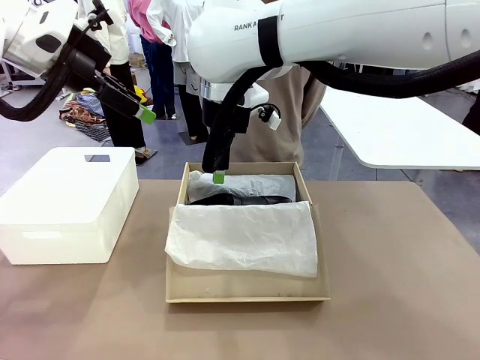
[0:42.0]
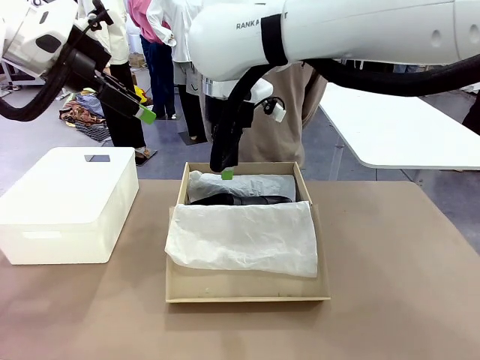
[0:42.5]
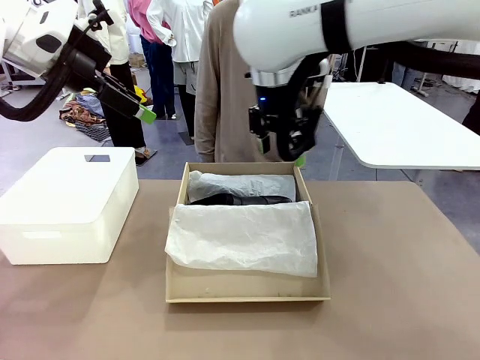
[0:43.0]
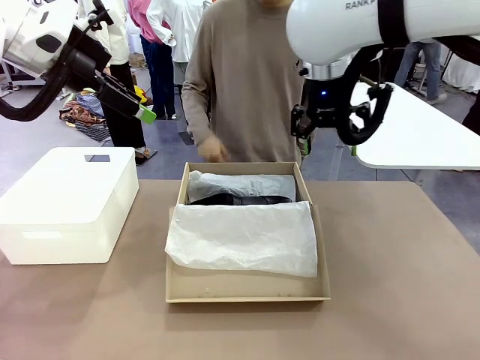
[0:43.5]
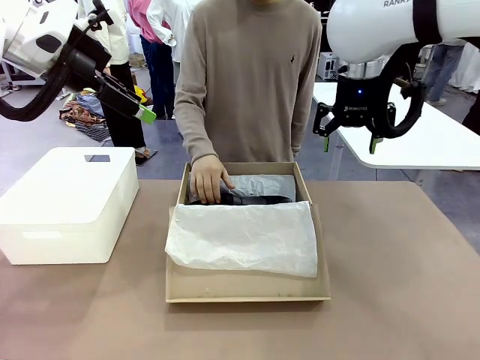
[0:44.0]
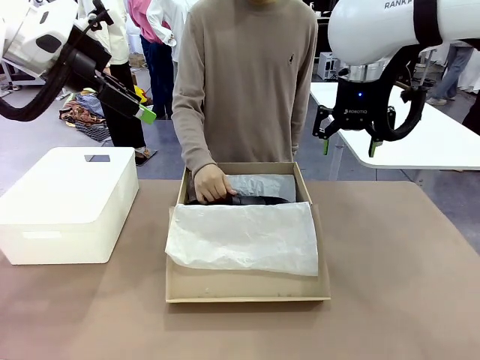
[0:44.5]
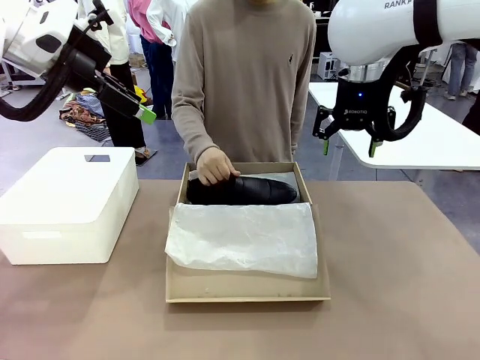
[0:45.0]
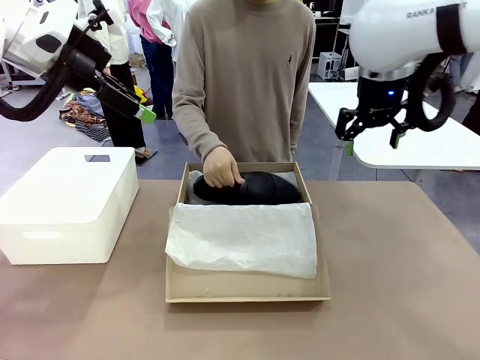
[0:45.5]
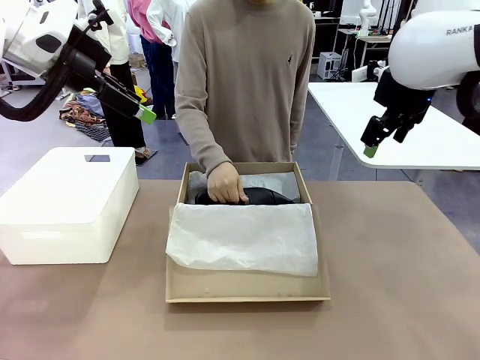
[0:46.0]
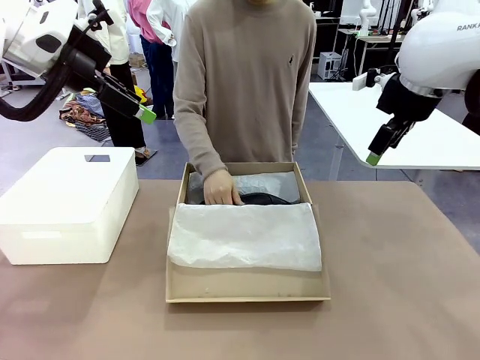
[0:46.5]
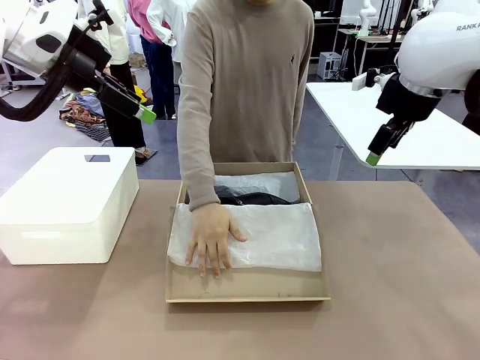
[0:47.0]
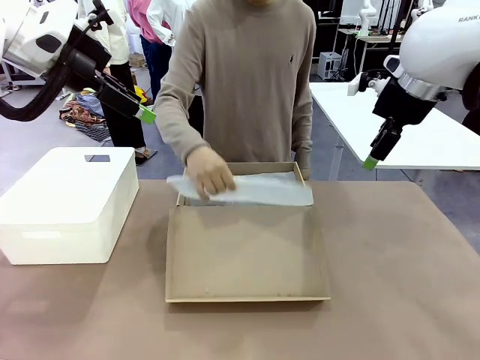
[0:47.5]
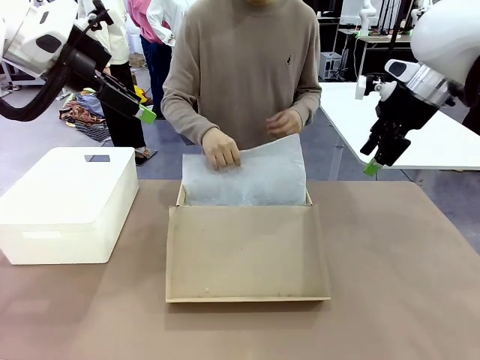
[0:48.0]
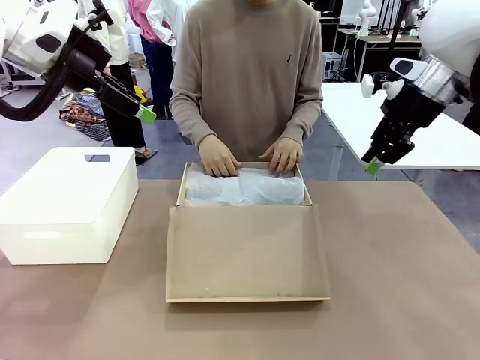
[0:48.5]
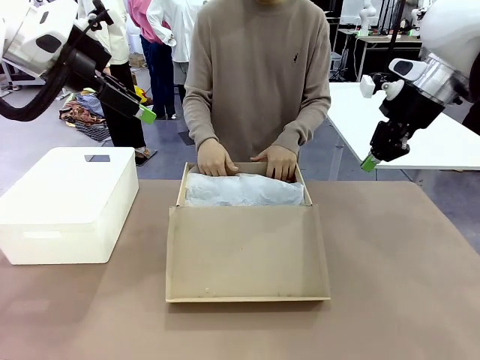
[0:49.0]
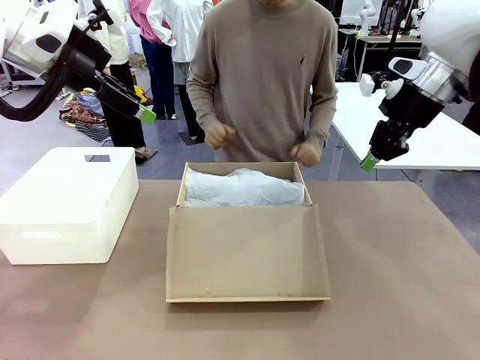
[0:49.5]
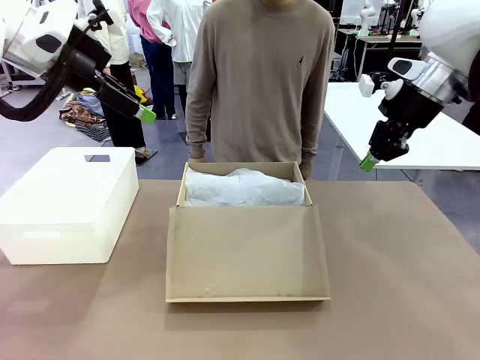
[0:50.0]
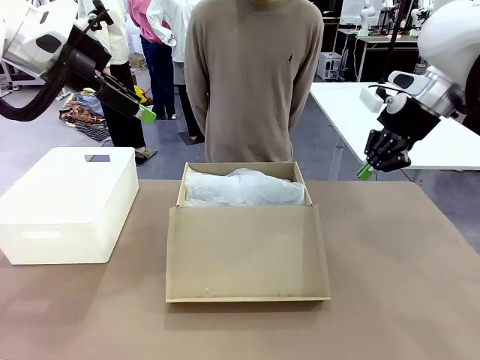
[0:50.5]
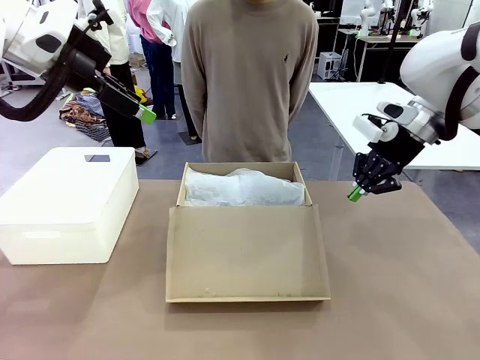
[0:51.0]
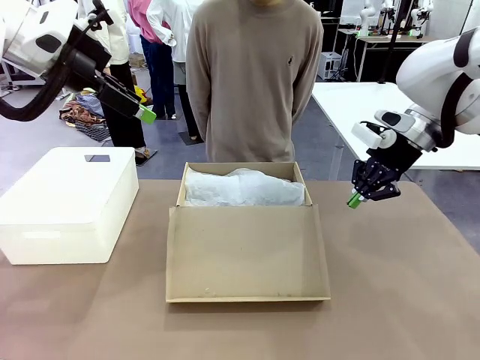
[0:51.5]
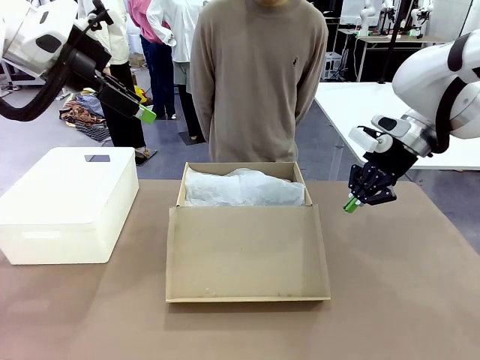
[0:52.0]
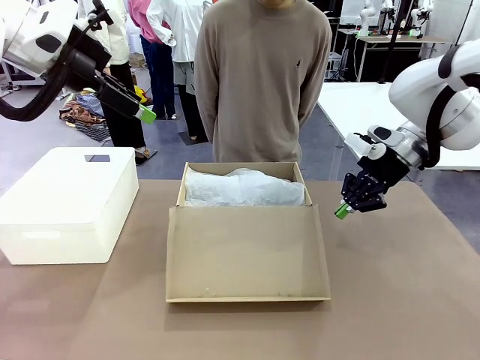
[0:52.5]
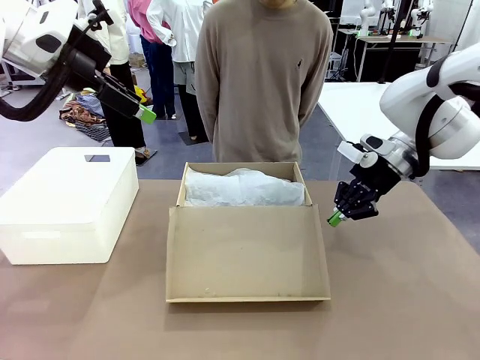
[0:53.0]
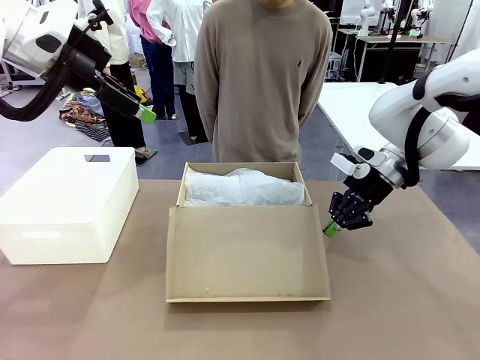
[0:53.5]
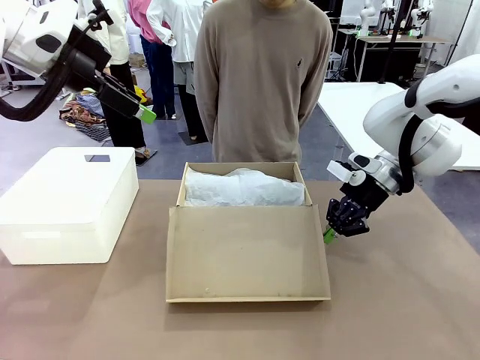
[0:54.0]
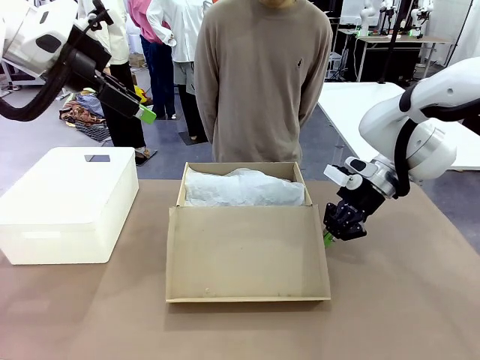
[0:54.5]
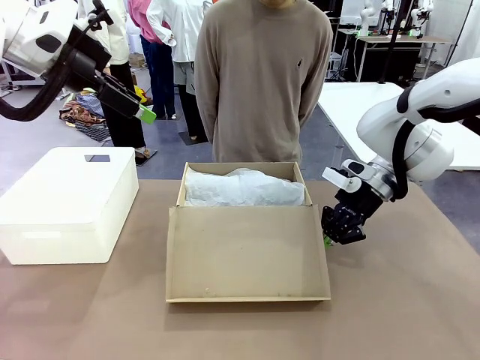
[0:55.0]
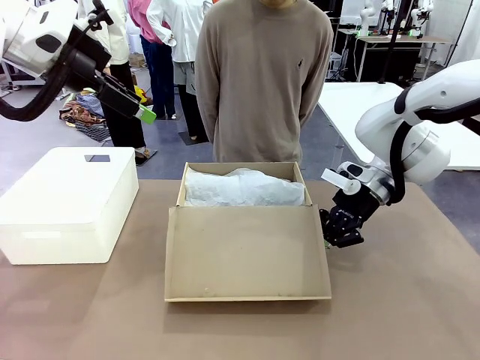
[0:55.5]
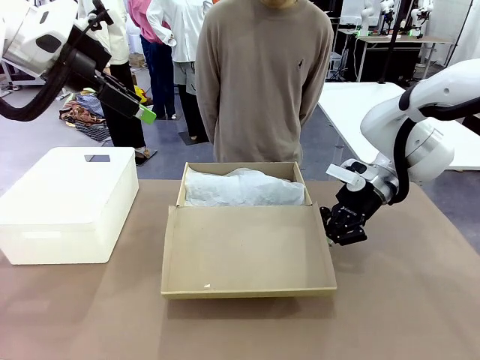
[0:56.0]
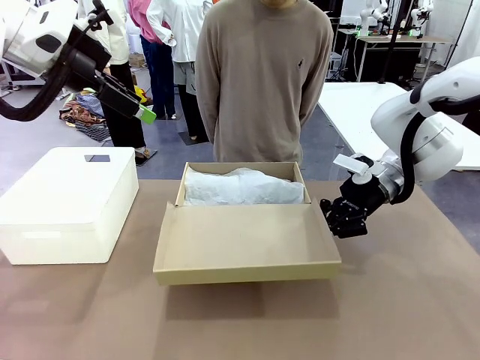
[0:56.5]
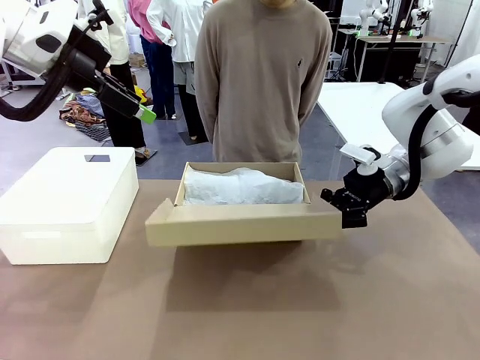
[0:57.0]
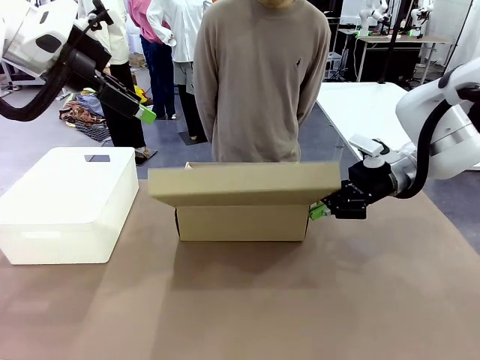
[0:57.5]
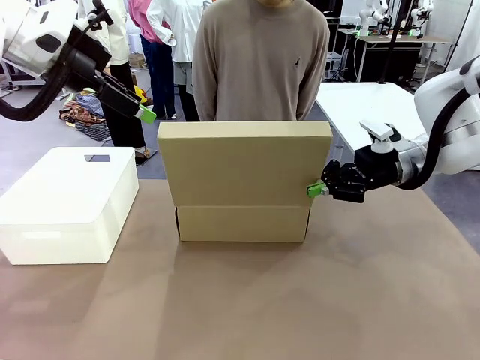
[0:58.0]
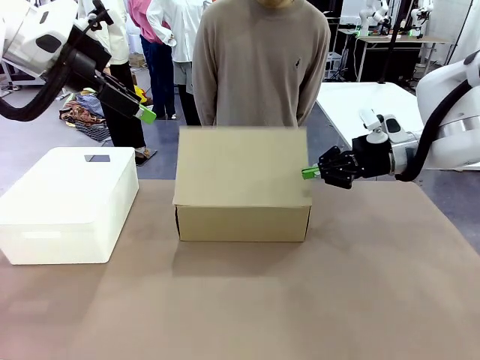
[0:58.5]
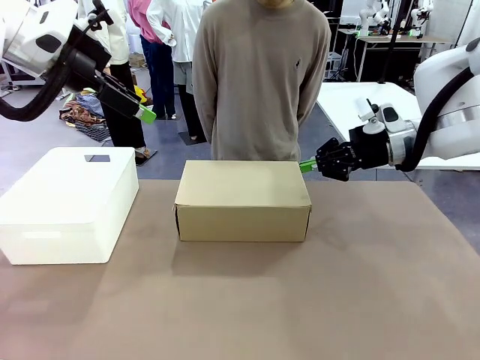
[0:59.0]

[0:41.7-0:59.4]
Task: Pack the shoes into the box.
Robot: Close the Shoes Box.

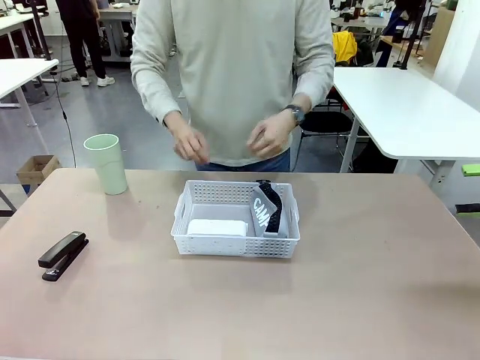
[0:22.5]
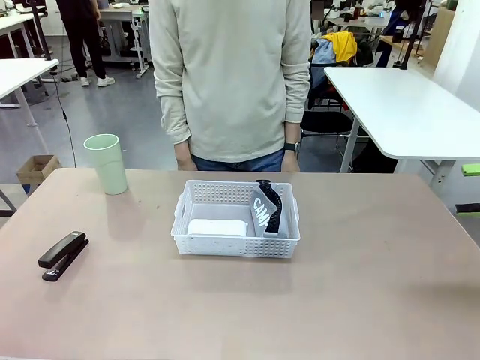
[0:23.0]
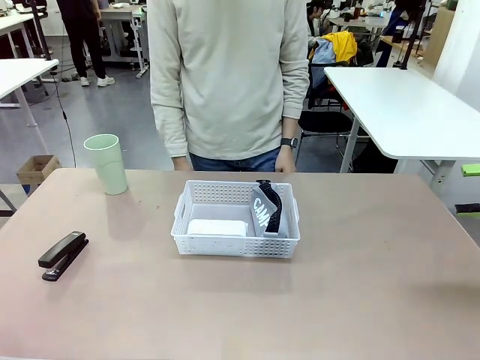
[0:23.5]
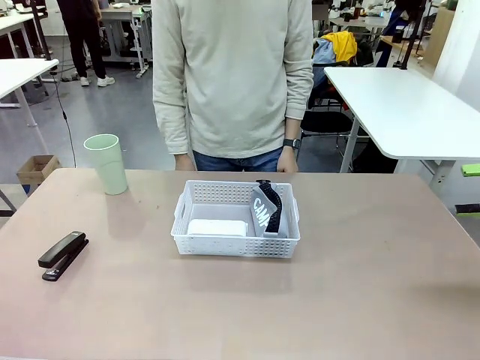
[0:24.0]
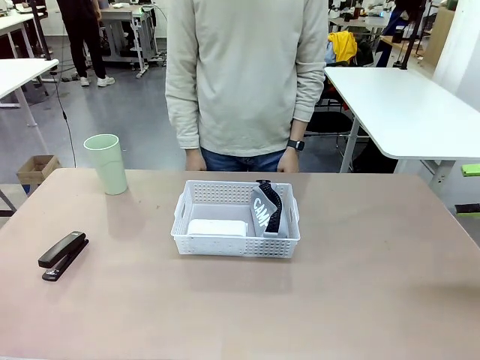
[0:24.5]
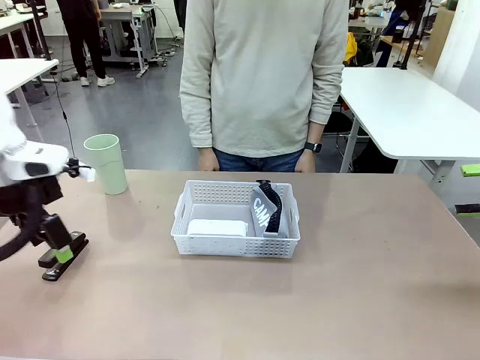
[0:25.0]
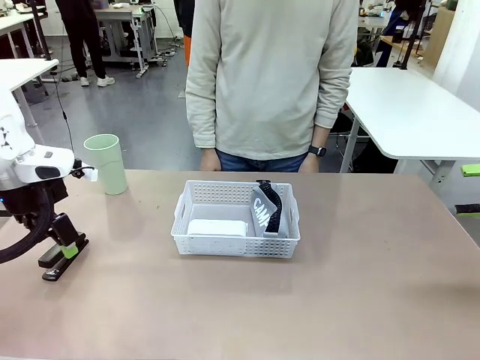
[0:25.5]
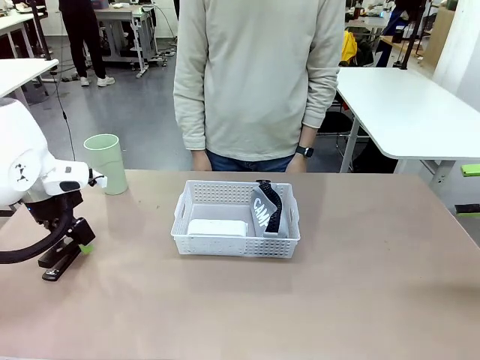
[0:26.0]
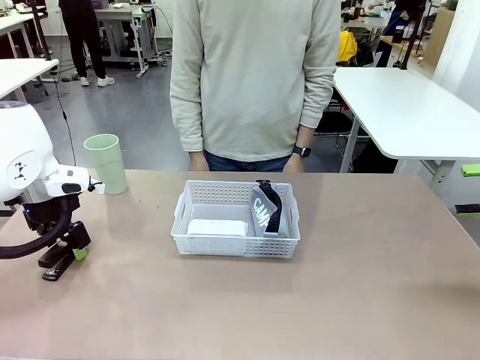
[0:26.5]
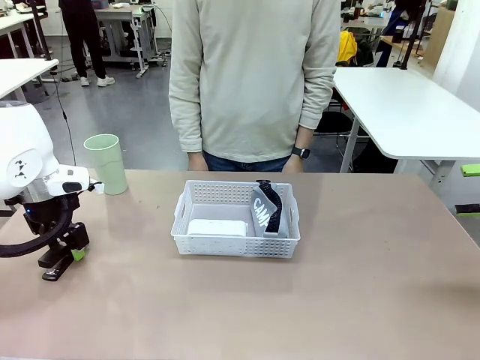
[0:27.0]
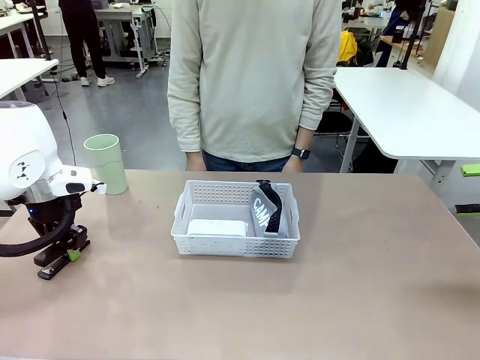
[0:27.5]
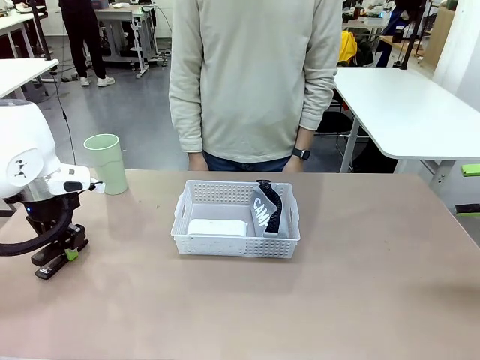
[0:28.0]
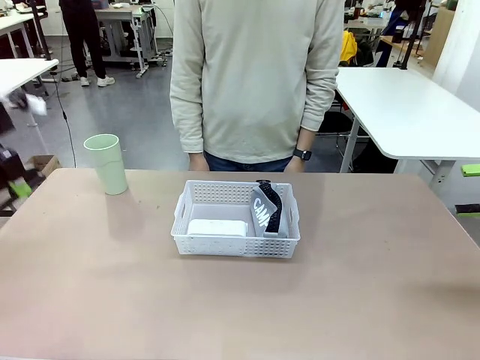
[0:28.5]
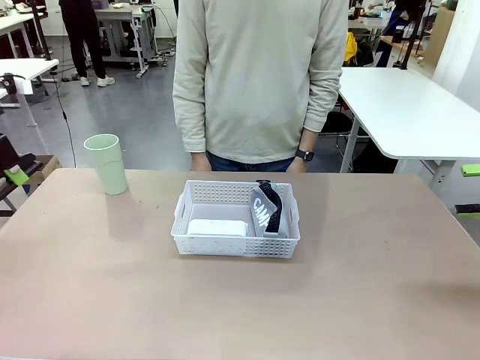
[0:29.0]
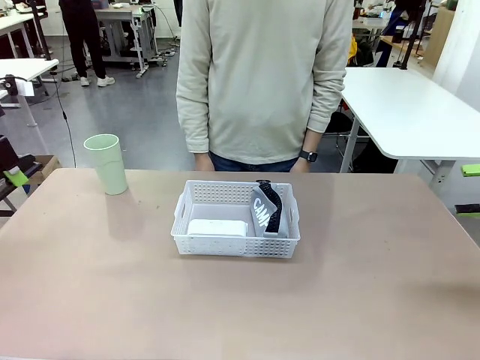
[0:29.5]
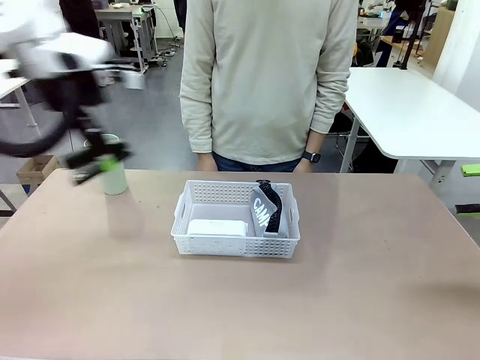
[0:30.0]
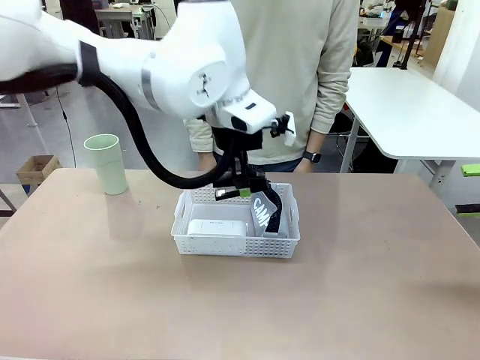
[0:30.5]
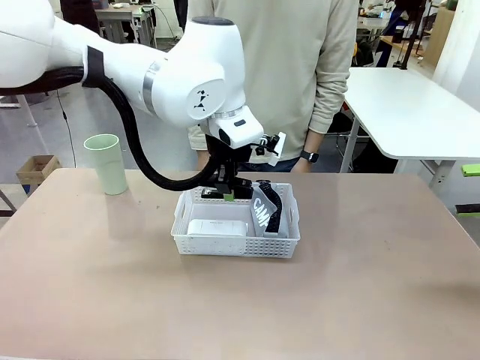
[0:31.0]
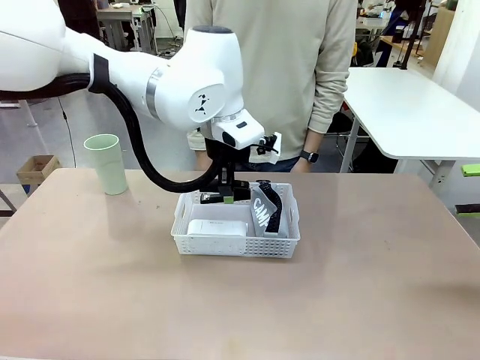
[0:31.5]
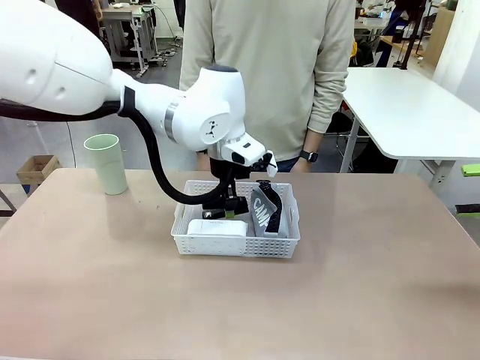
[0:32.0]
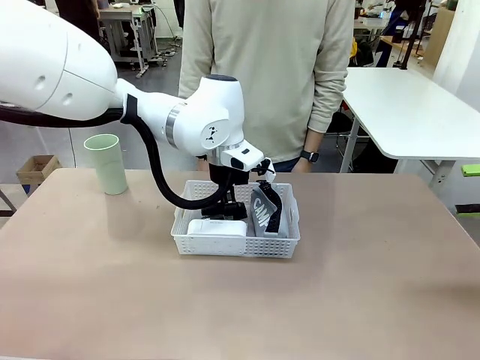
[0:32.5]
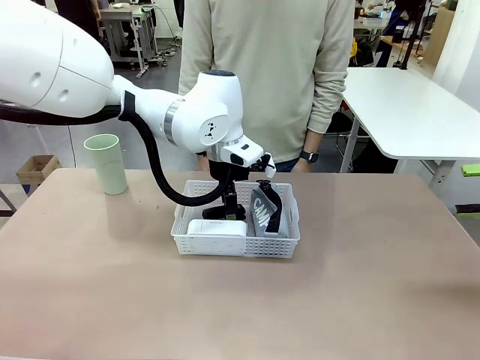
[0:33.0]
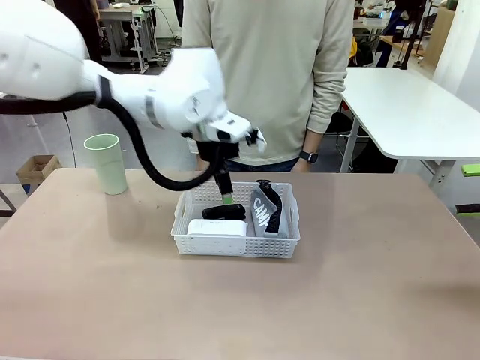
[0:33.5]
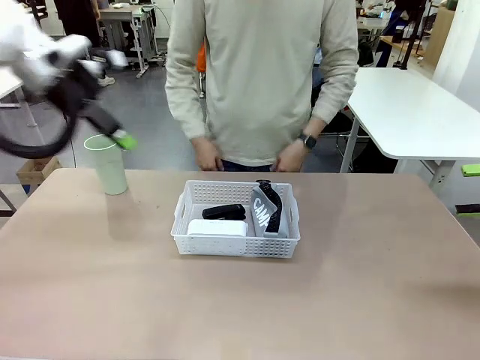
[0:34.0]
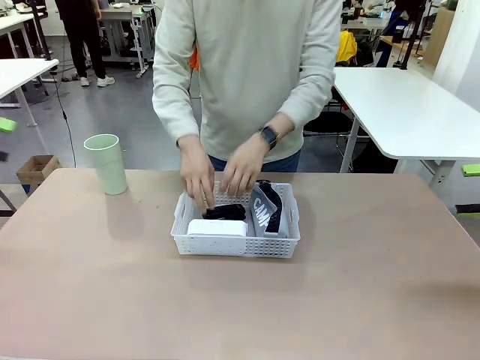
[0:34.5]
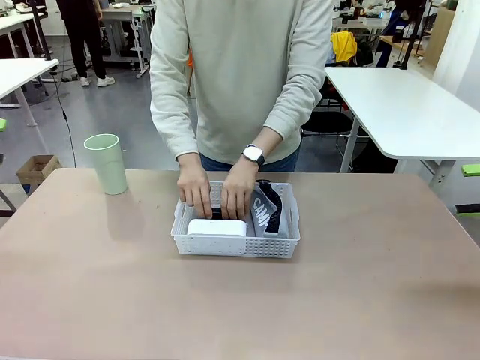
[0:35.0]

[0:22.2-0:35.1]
Task: Efficiently arrange items inside the basket to fit them all.
Robot: Pick up the Stapler and place it inside the Organizing basket.
